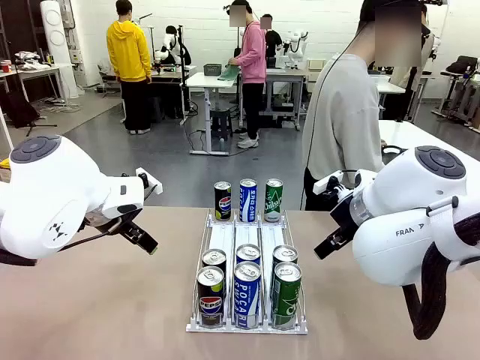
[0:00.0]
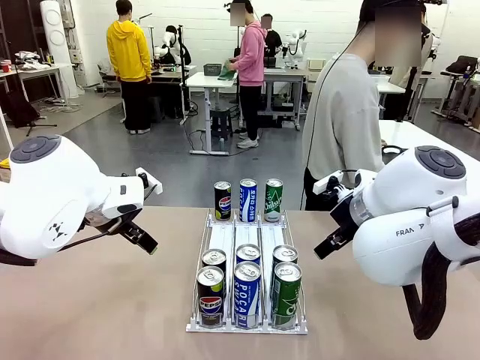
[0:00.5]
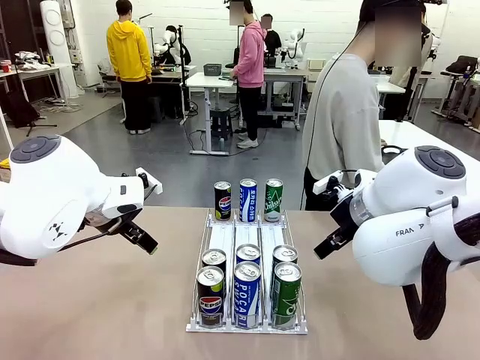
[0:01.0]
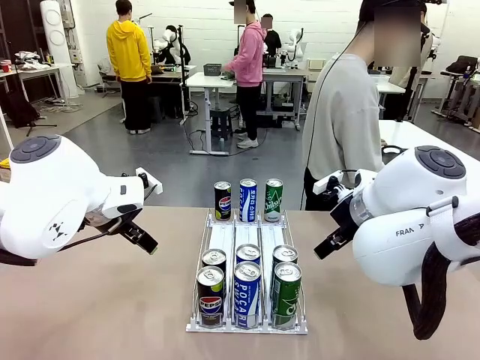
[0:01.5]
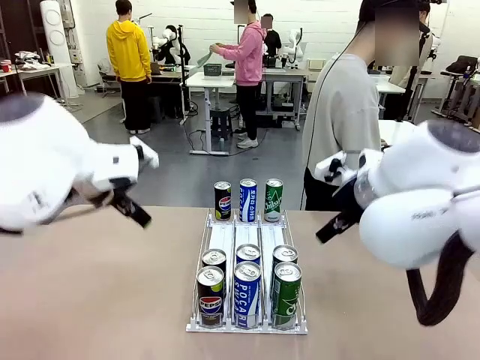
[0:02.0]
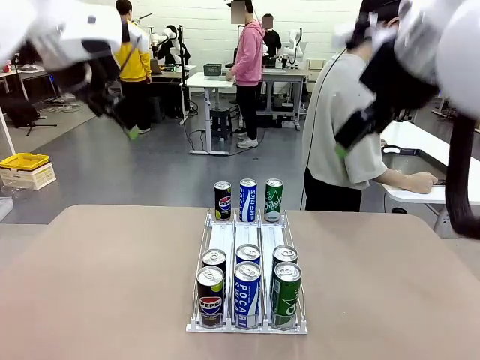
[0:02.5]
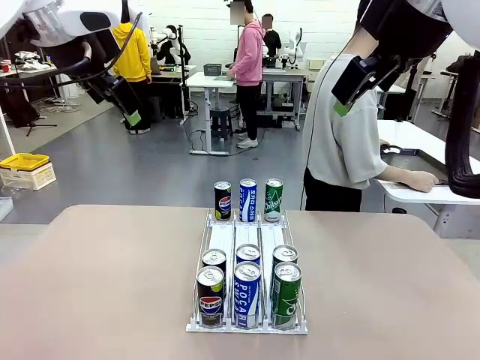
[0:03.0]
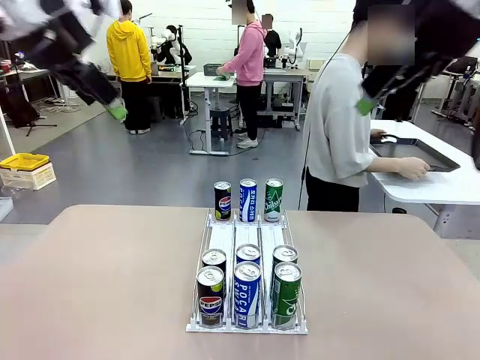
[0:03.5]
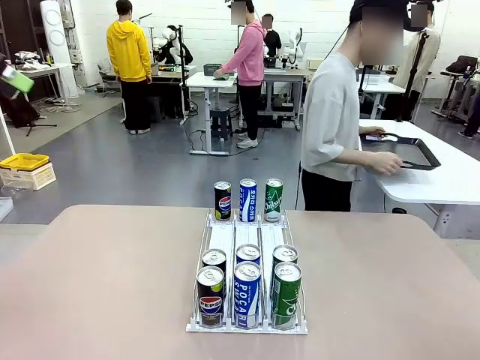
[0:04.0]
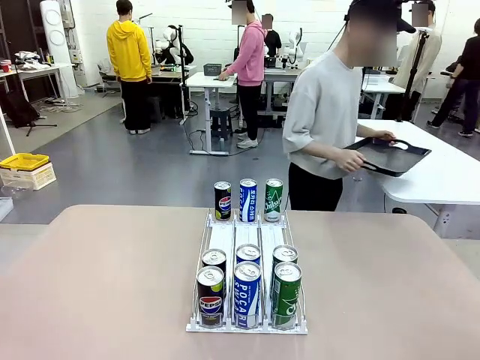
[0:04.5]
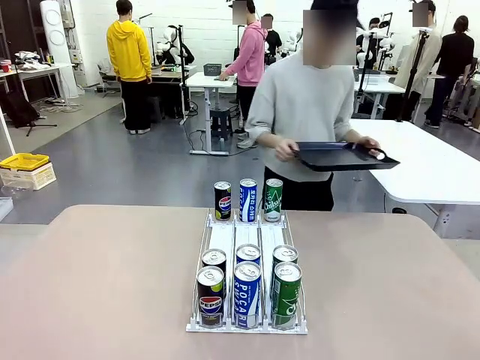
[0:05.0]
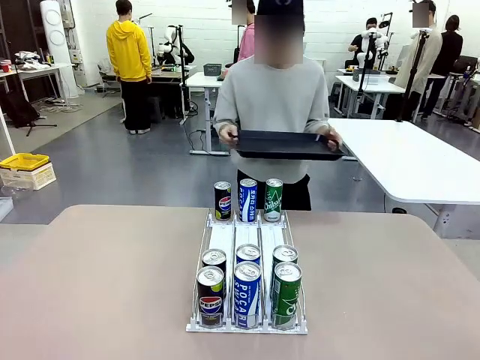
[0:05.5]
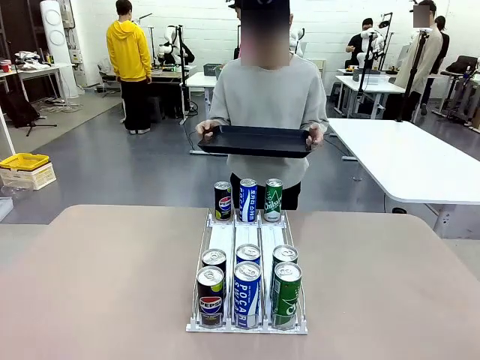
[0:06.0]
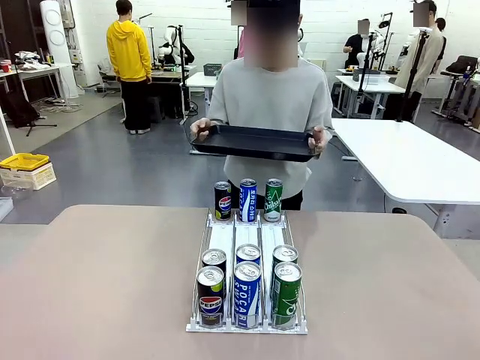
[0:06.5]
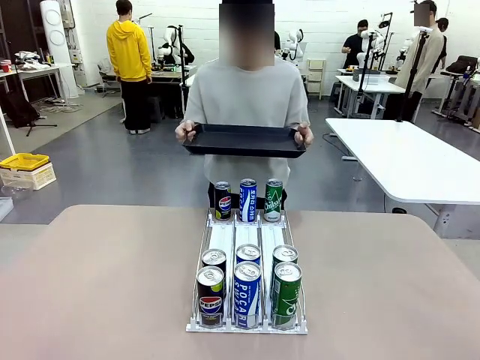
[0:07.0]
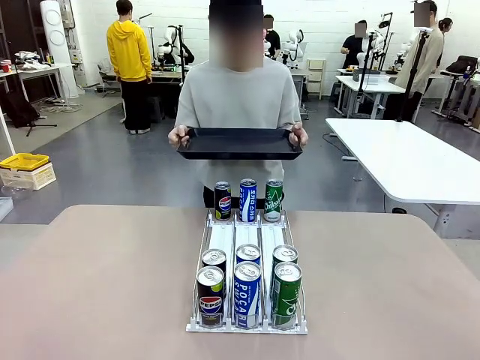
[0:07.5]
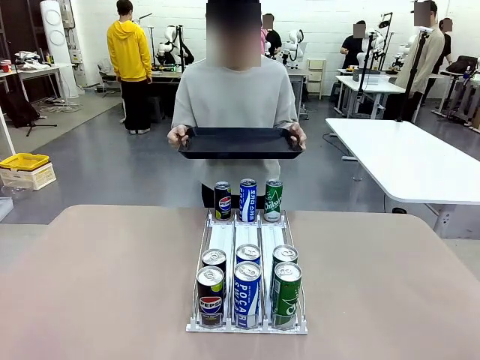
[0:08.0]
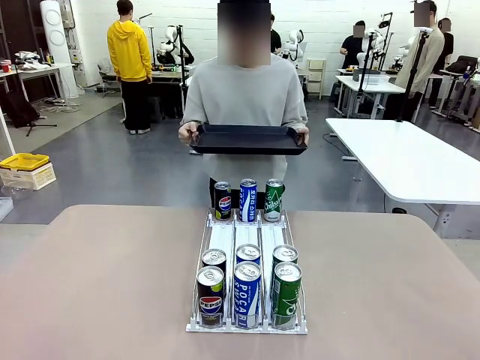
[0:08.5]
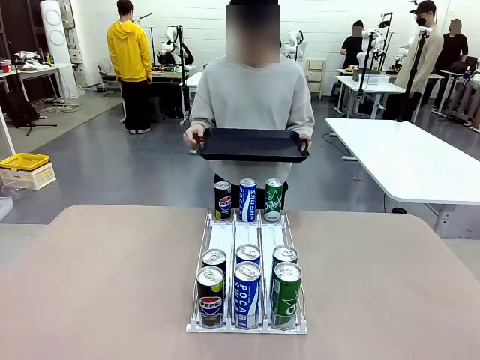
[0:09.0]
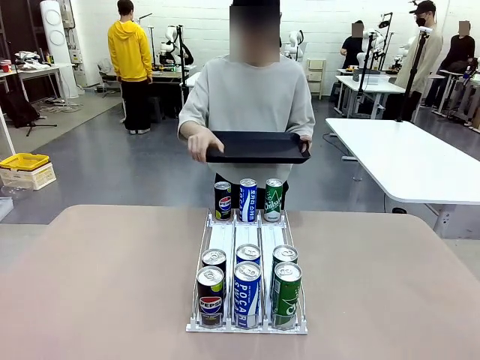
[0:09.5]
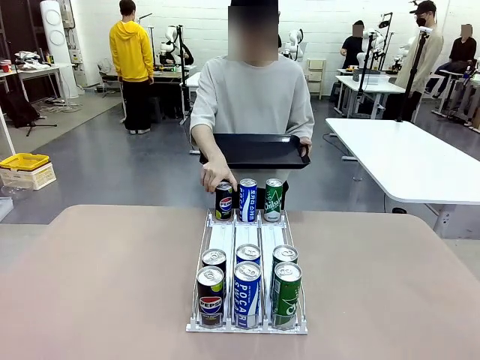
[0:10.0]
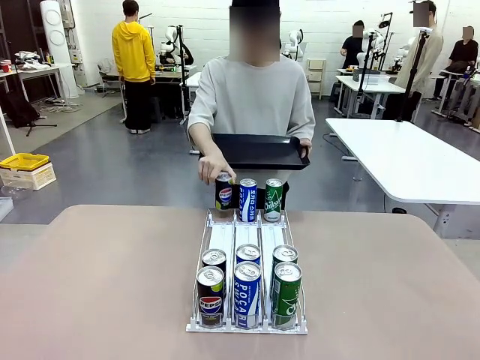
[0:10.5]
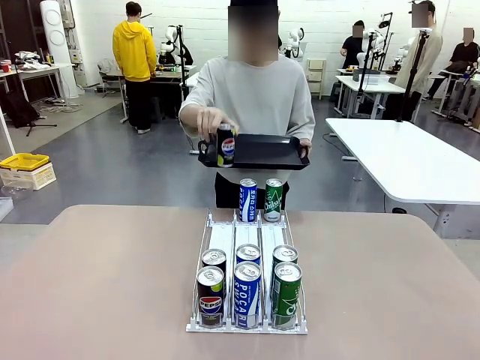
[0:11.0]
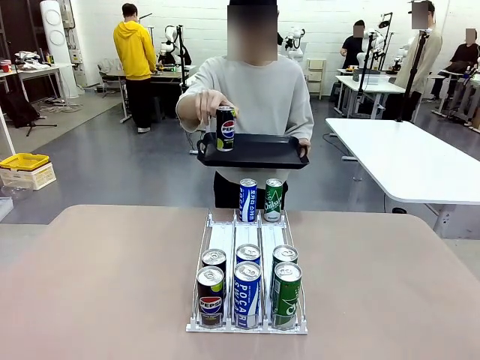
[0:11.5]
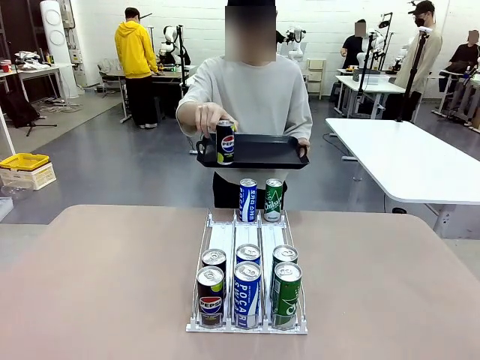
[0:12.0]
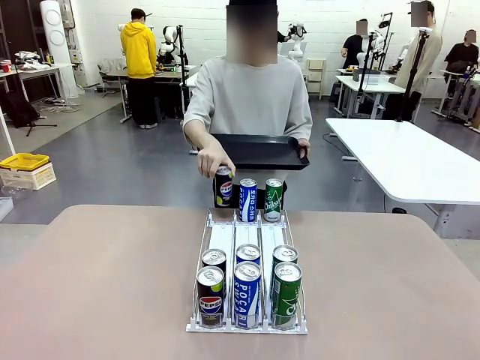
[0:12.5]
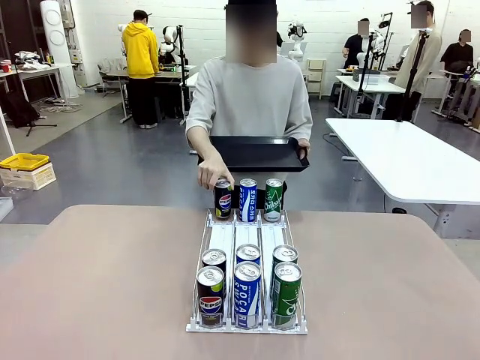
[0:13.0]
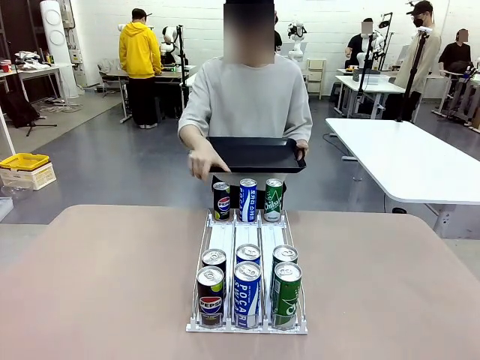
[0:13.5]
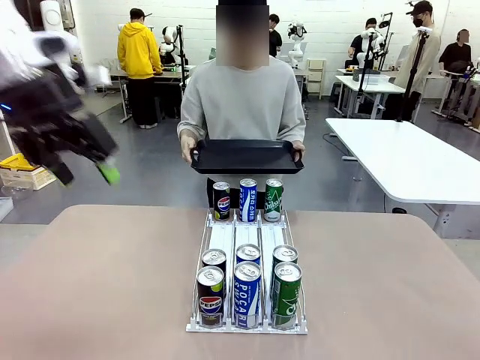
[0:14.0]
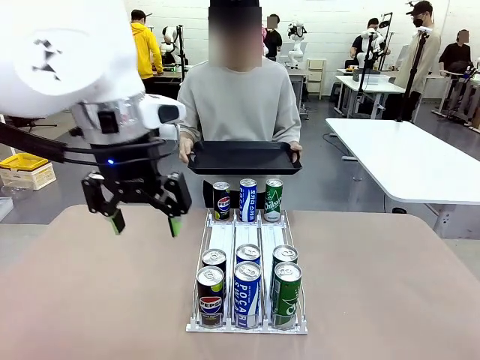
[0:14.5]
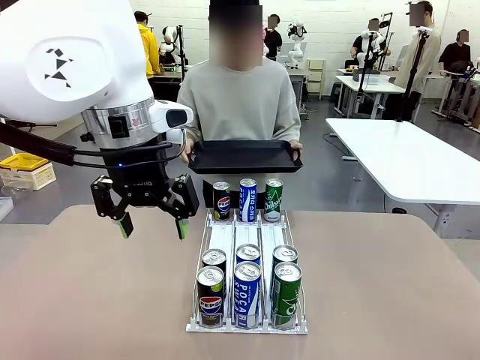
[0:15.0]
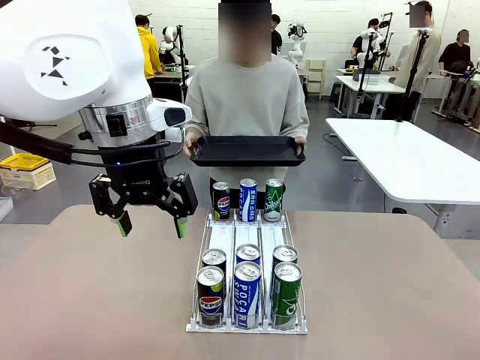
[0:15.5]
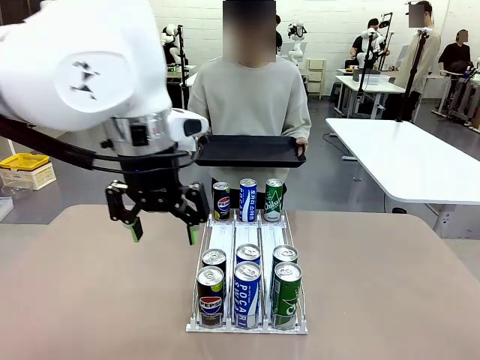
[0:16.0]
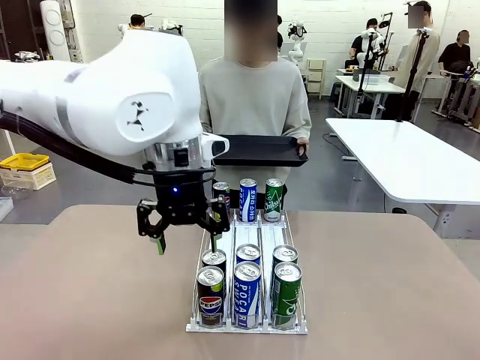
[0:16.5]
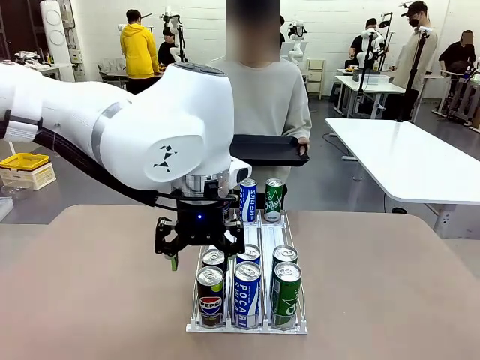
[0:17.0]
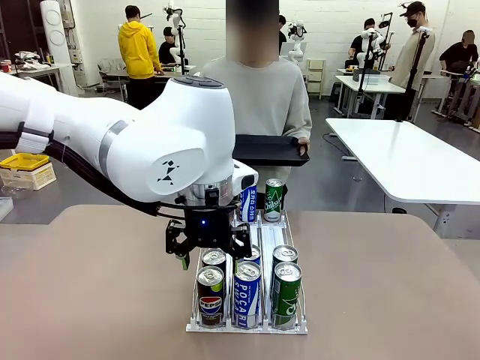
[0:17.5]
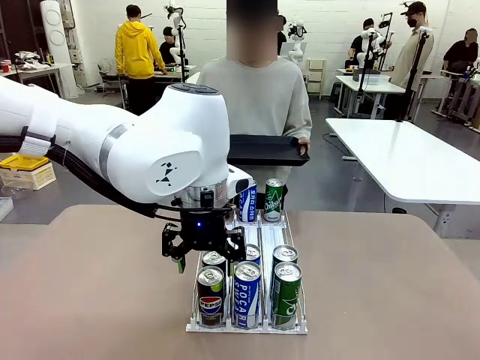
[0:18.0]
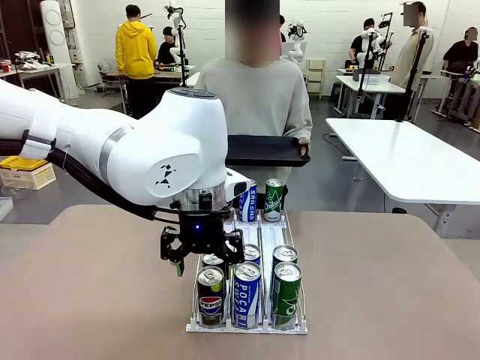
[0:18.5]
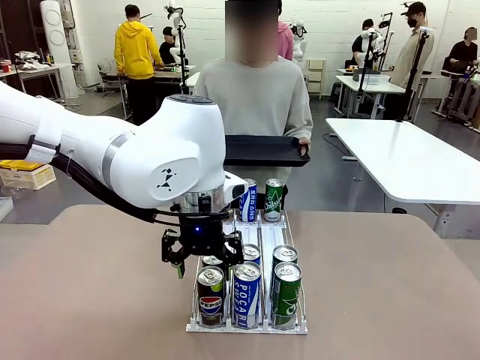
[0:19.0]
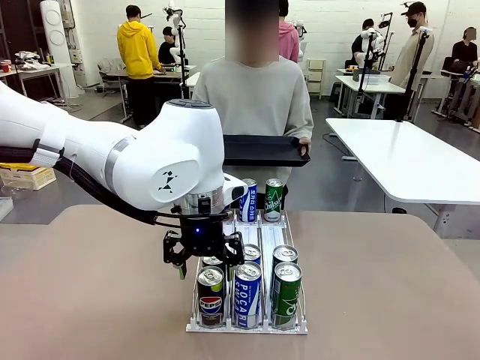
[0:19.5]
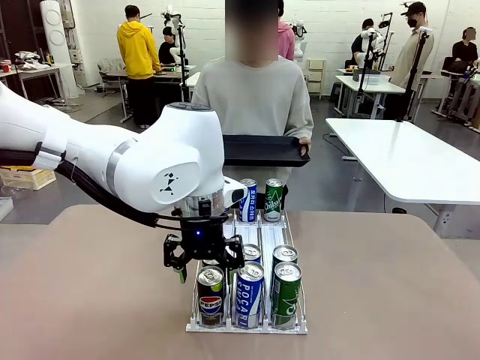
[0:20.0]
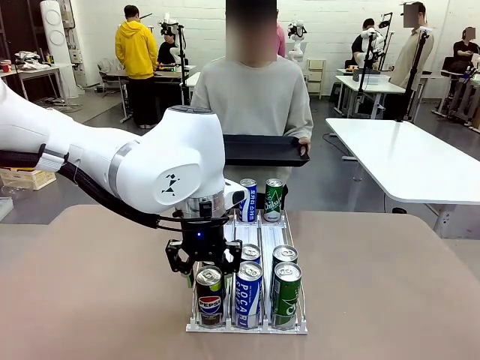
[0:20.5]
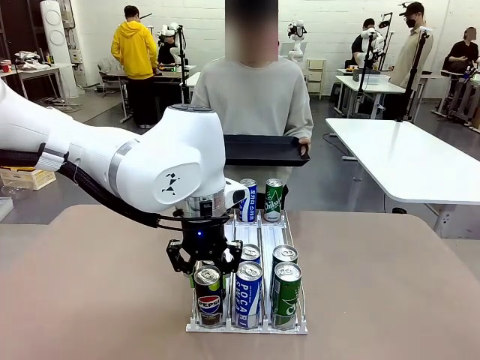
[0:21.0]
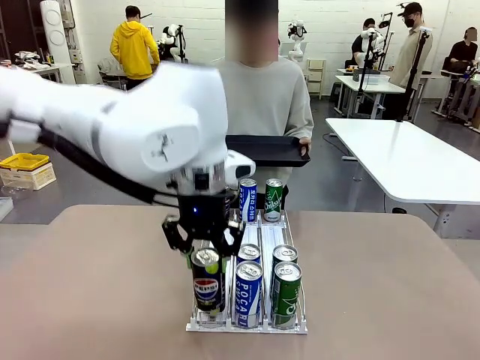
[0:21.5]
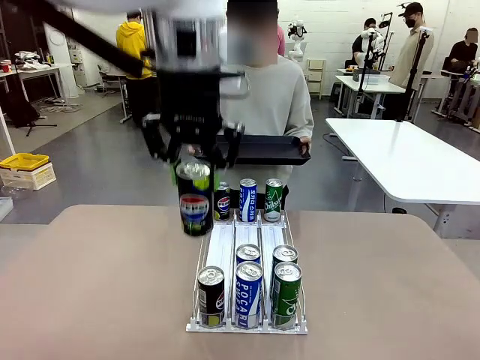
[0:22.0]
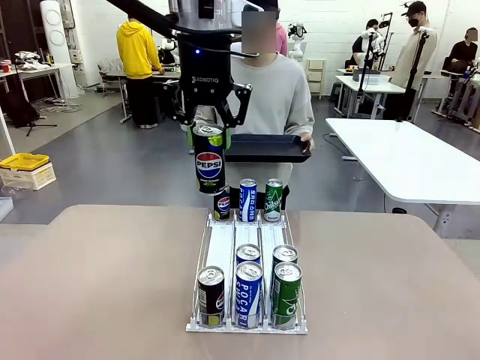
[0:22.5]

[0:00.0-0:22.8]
Task: Retrieve and hand over the desired beverage to the person.
Robot: Pick up a can of the same type that the person held from the Automatic Can Dispenser.
Person: Hold the tray and position yourself in front of the robot table. Pick up one can from the bottom area of the table and puts it back in its original place. Push the tray toward the robot.

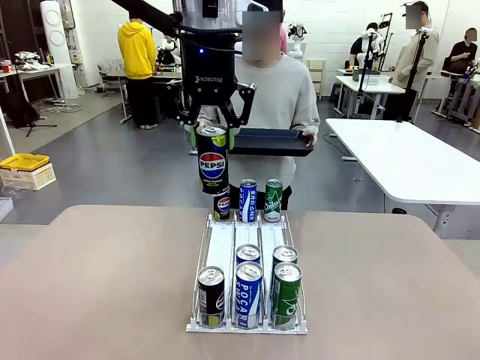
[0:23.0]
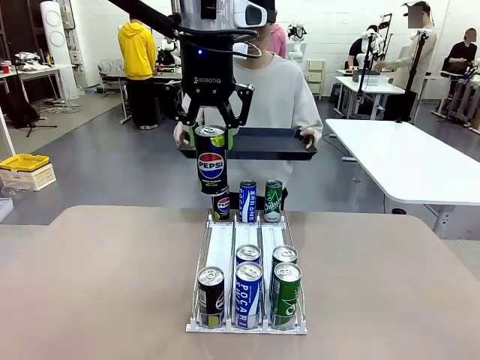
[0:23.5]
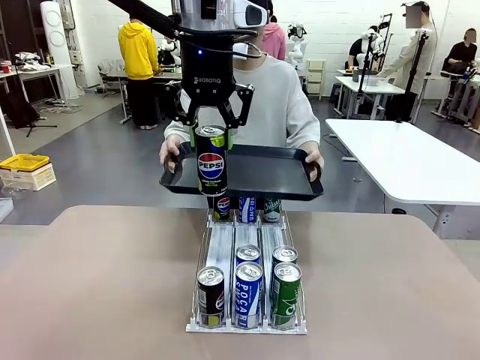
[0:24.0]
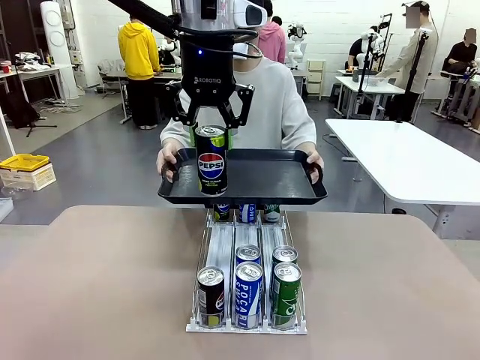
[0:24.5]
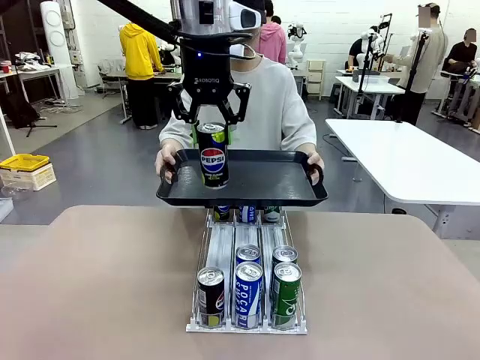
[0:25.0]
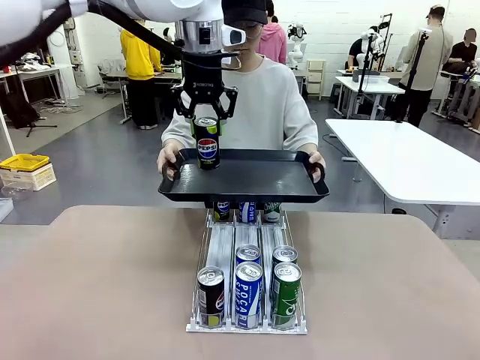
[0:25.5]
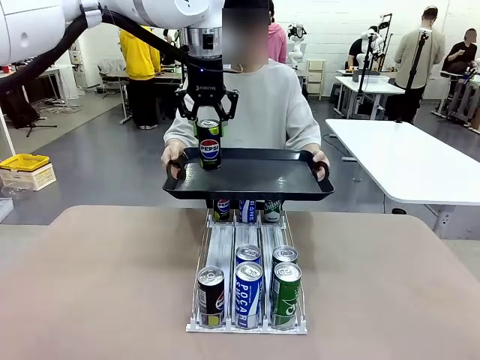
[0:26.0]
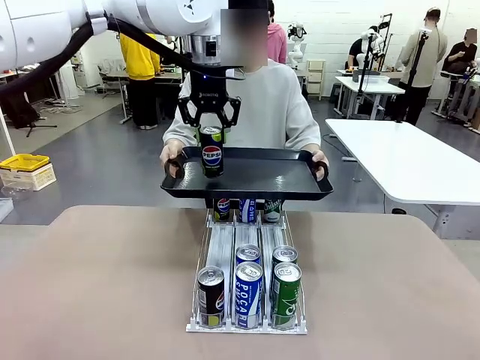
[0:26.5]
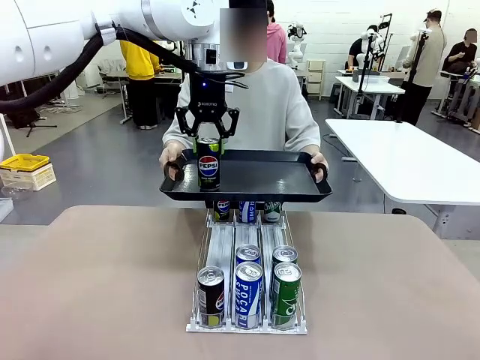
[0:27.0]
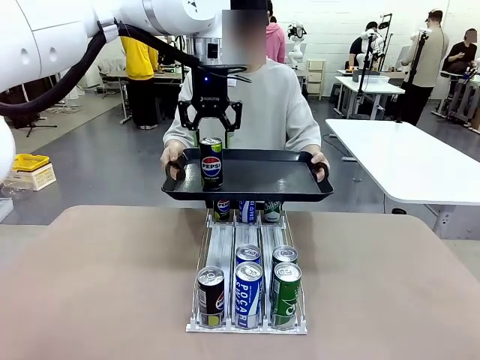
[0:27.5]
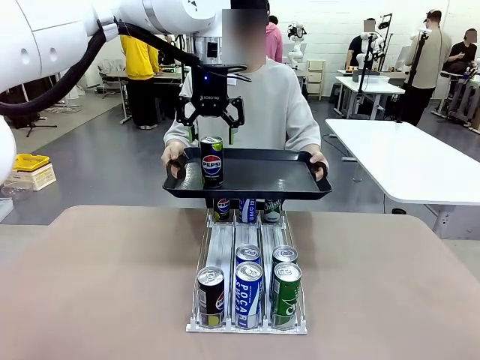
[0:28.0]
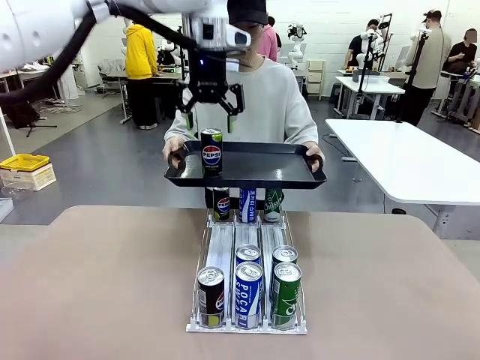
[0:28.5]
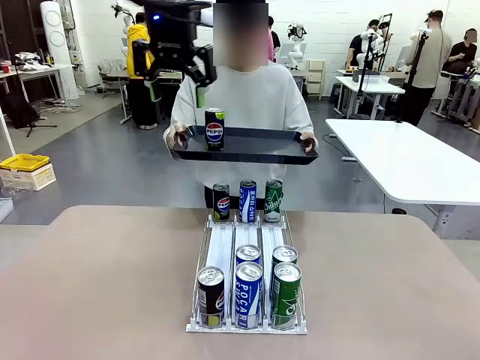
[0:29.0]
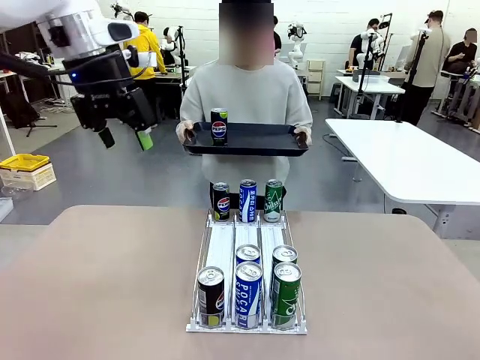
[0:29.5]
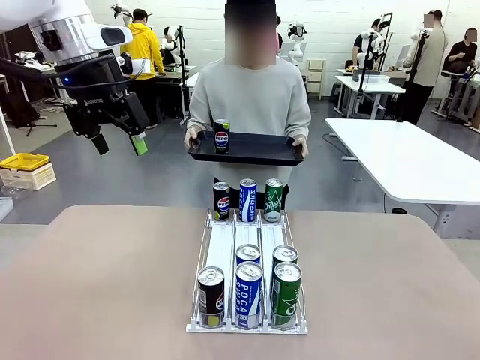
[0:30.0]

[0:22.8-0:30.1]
Robot: Place the picked can on the Handle tray extended by the person.
